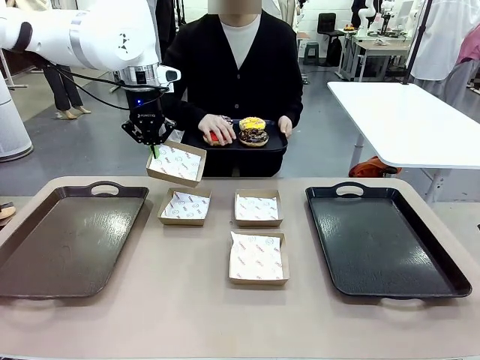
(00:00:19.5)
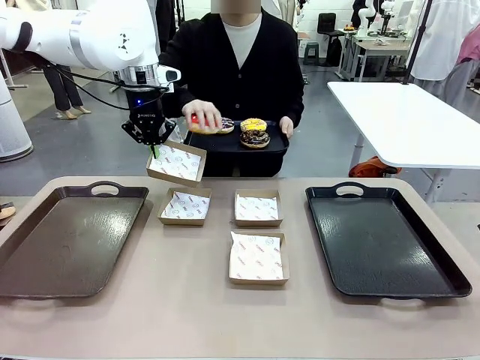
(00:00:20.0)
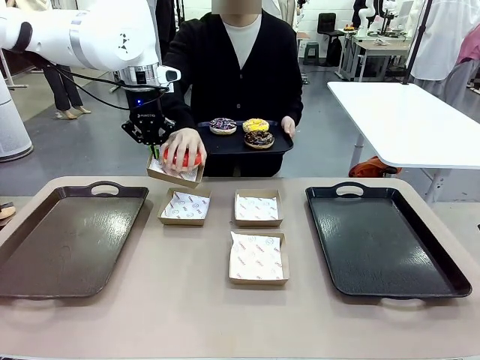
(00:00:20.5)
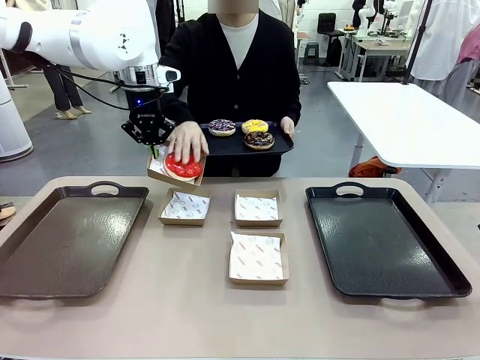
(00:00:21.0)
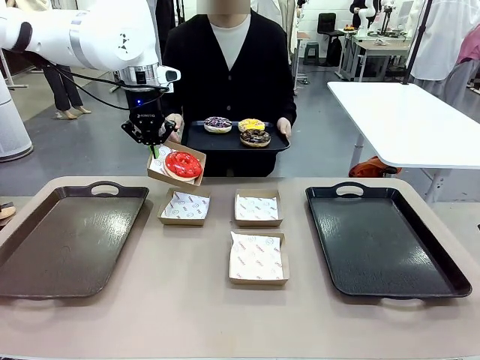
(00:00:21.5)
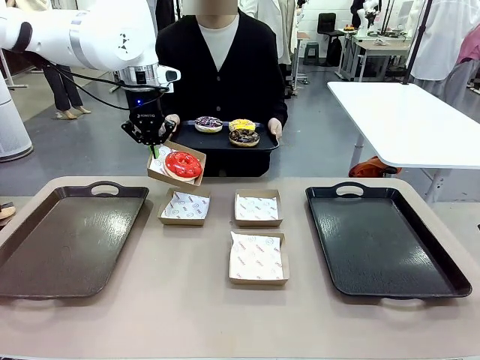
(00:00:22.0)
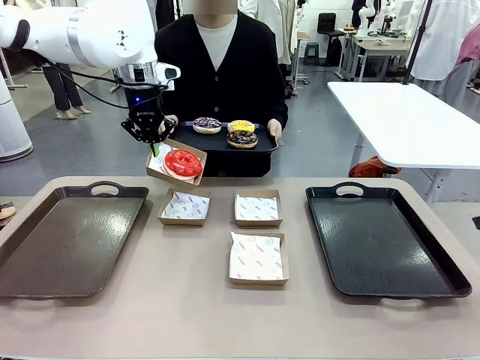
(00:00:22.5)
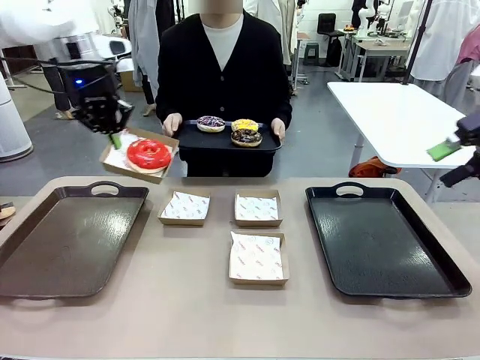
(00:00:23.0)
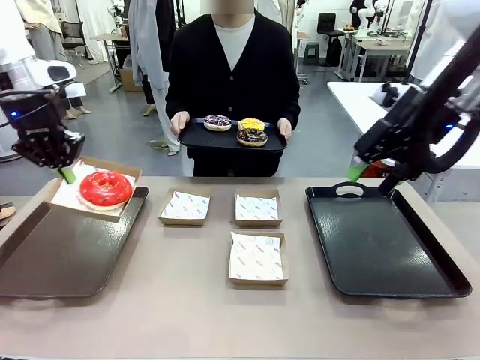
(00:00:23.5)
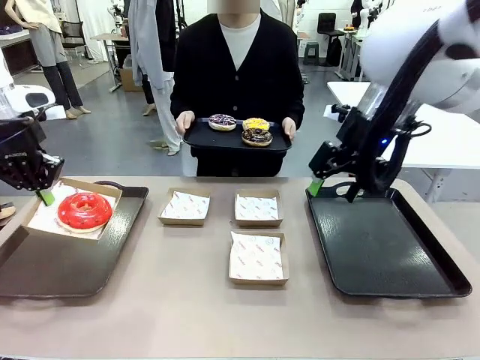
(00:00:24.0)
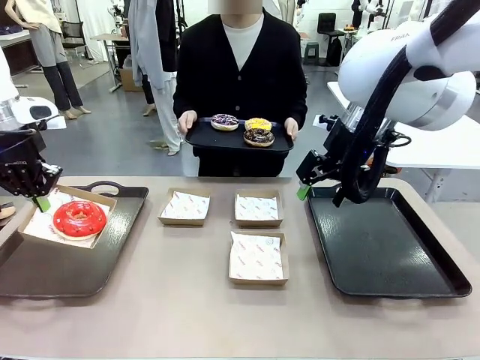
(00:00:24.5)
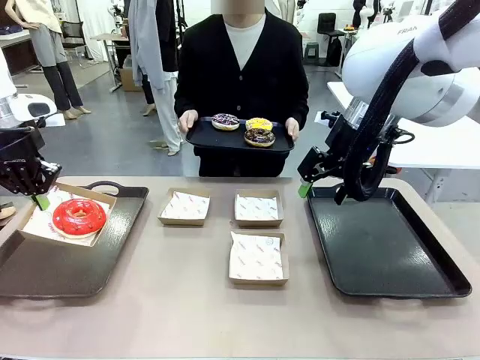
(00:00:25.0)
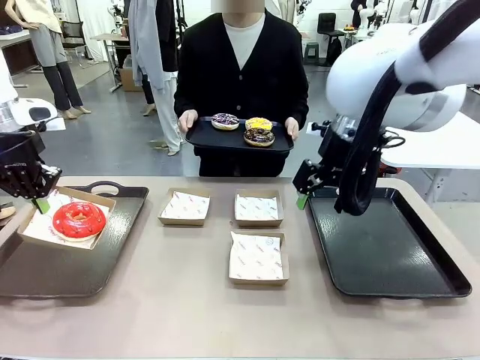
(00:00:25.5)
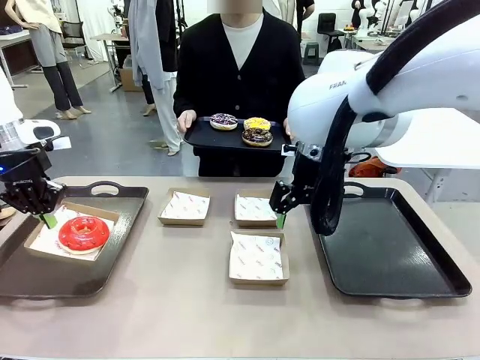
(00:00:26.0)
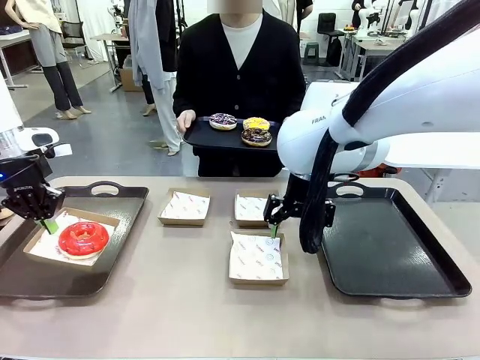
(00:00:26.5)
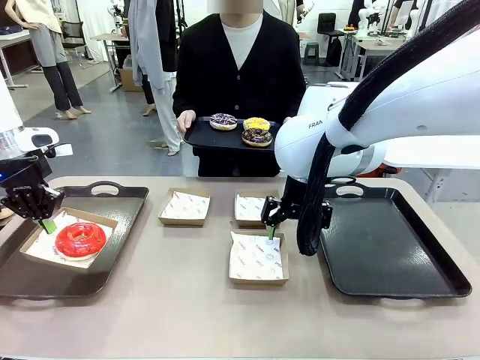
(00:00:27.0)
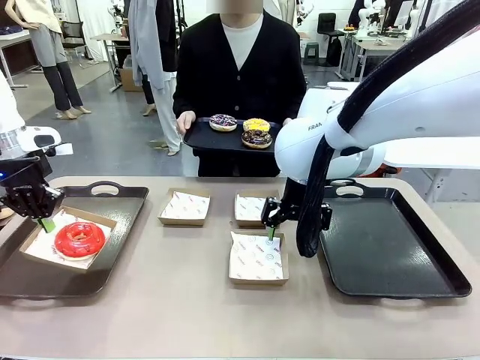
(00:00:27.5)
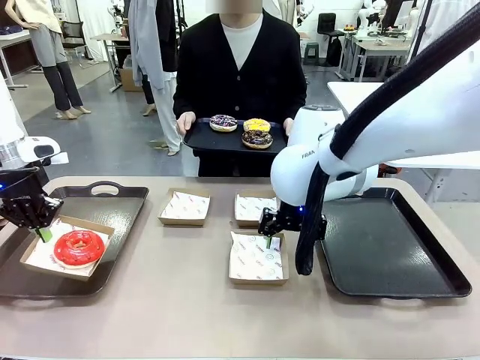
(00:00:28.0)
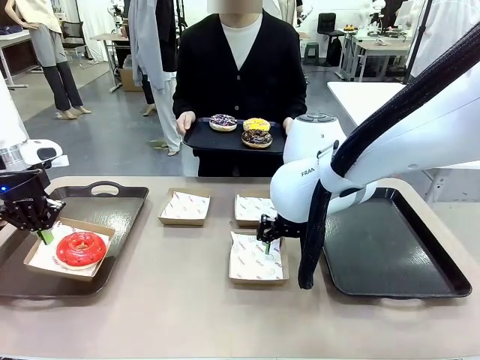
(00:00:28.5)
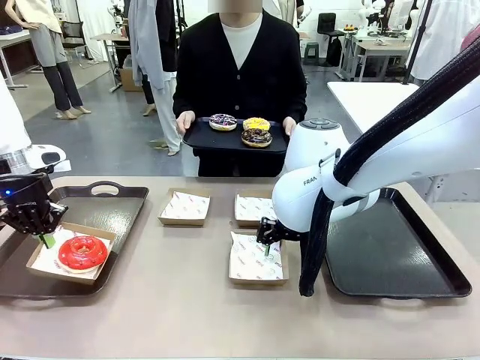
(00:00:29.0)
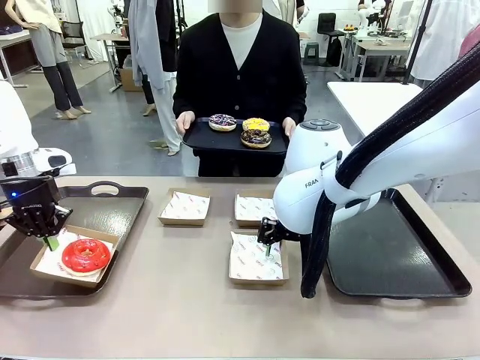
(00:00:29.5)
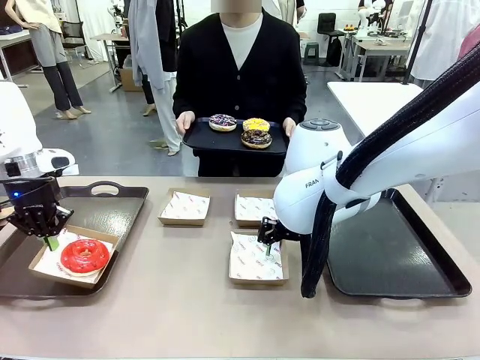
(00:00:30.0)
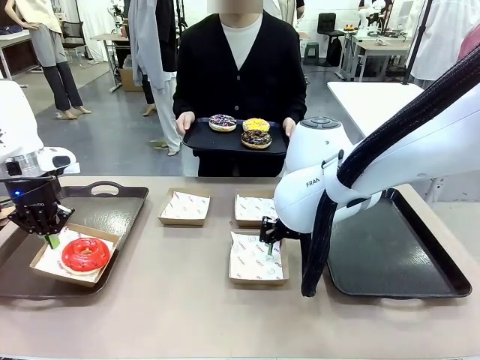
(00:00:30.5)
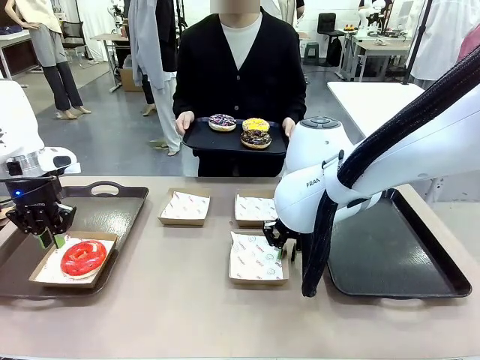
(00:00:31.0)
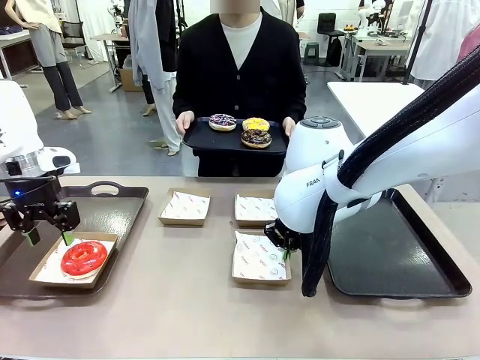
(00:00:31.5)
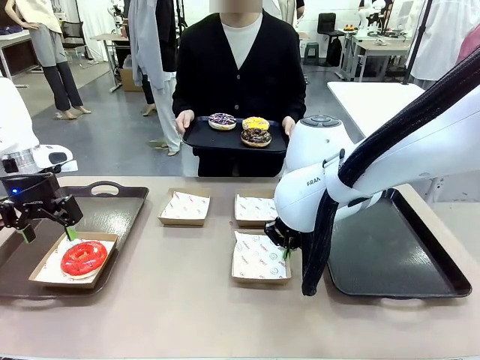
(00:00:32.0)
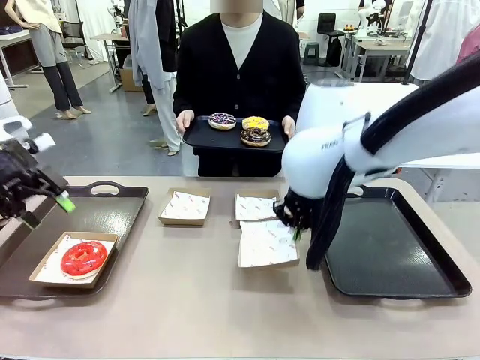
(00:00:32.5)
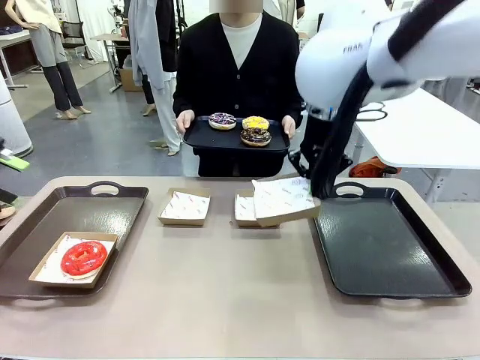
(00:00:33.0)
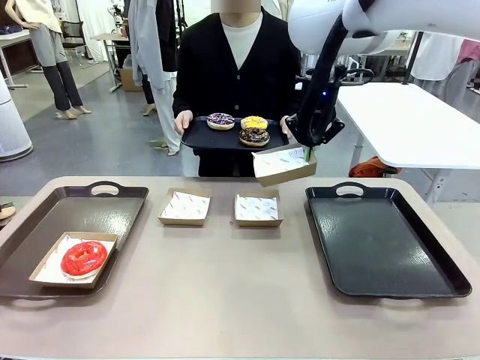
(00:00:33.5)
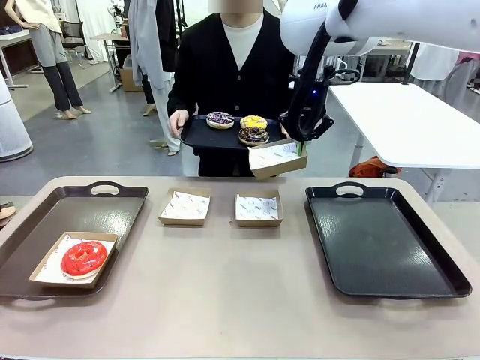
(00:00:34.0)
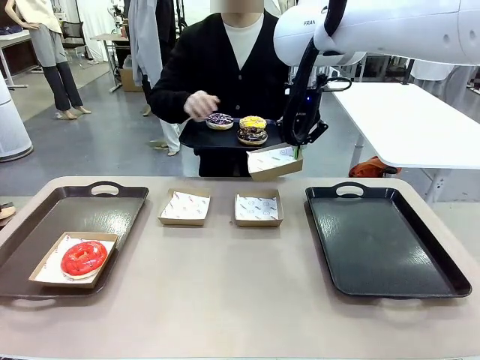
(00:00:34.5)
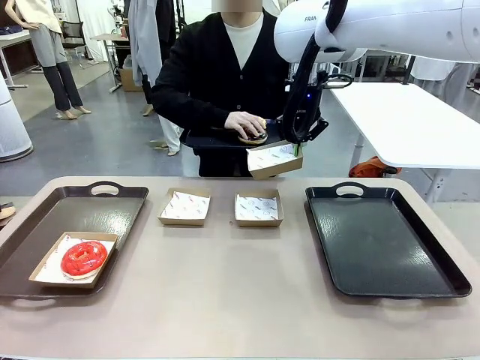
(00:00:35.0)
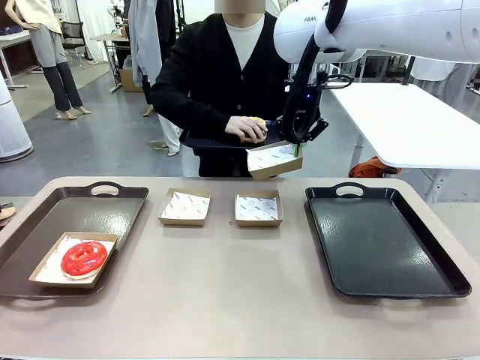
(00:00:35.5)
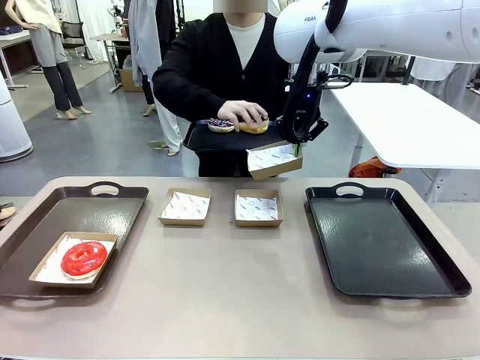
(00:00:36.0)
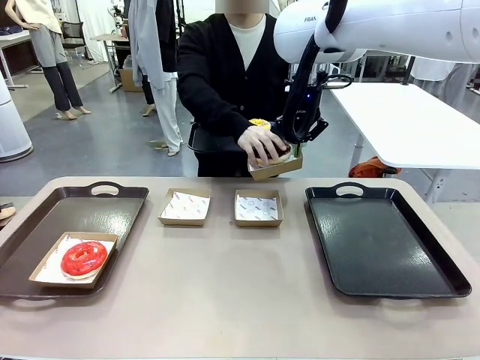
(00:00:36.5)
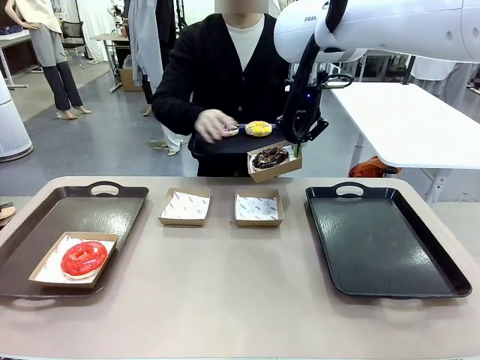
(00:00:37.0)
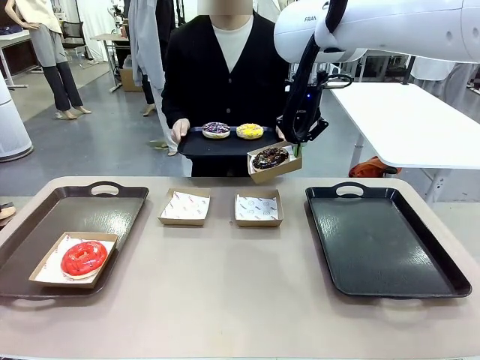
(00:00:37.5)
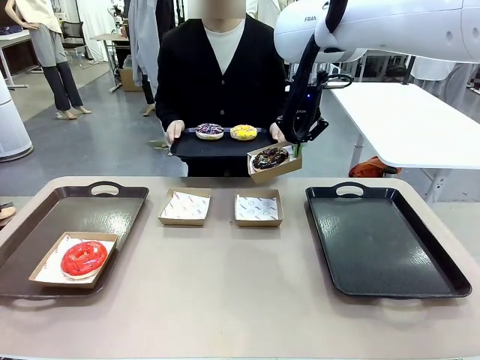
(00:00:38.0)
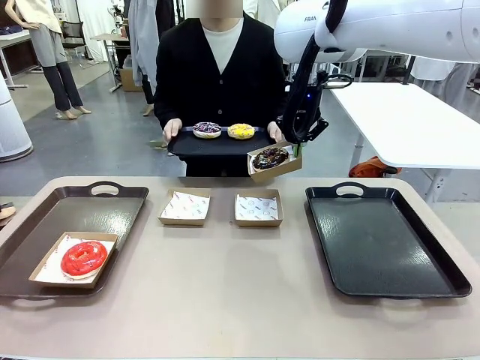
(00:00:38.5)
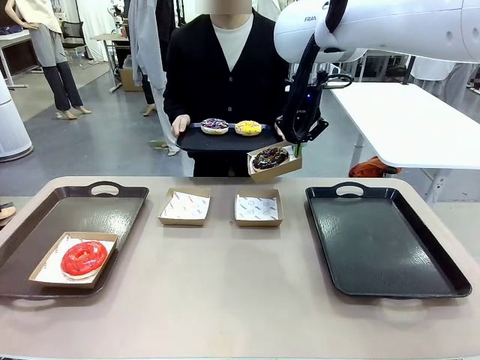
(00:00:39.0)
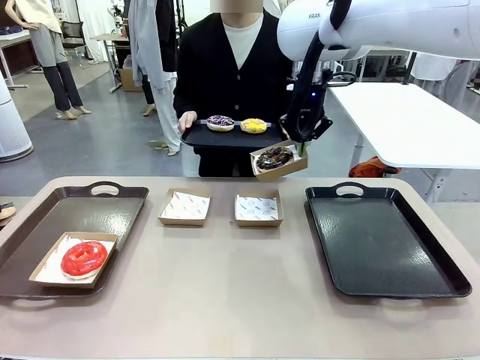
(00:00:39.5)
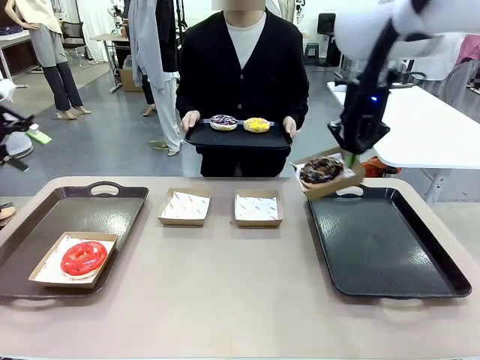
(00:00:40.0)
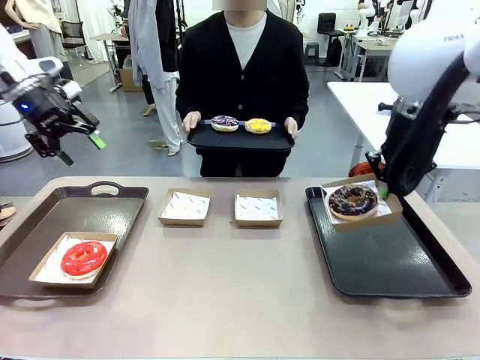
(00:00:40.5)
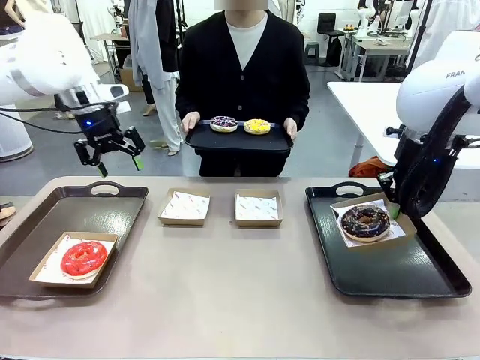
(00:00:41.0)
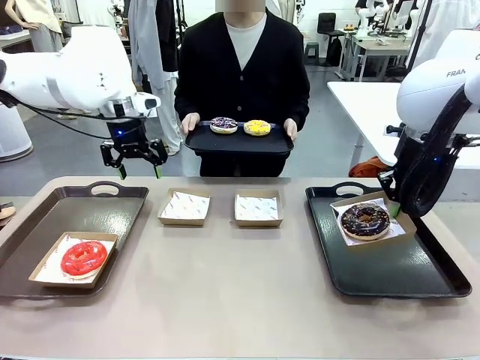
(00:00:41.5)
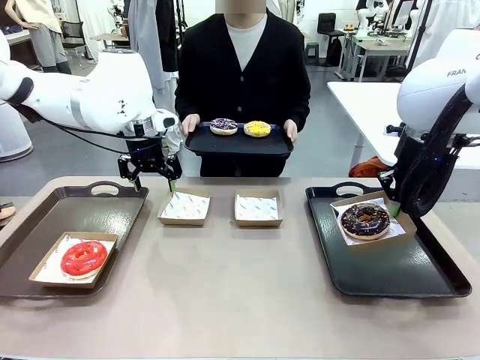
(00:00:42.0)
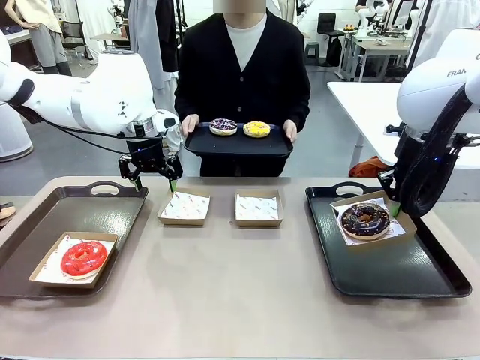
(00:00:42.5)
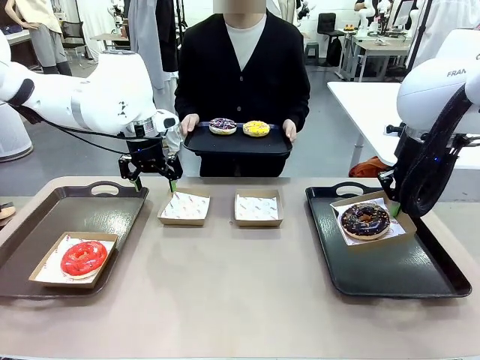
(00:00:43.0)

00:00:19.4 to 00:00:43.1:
Task: Individually package the donuts and arrange them on the tray.
Robot: Place the picked Paper togo box on the Handle tray while simultaneously picking up another Paper togo box from the table with the other hand.
